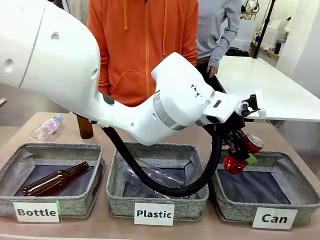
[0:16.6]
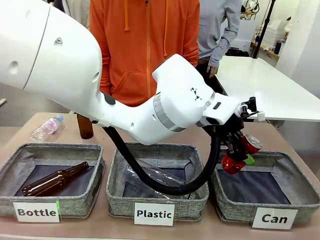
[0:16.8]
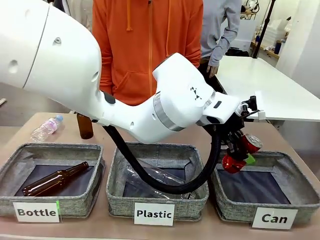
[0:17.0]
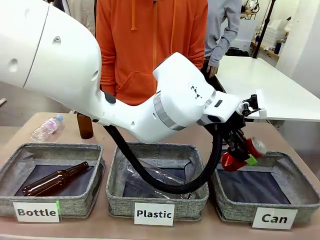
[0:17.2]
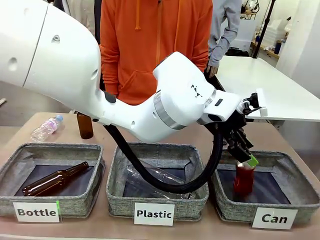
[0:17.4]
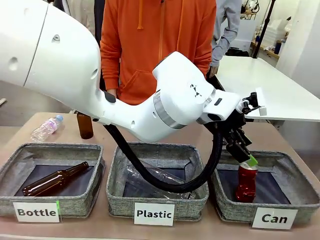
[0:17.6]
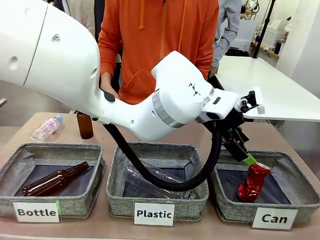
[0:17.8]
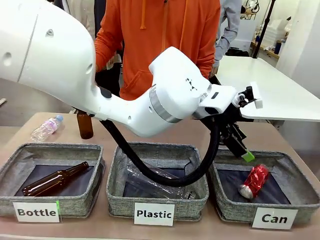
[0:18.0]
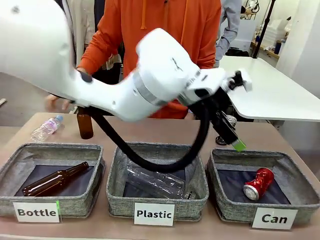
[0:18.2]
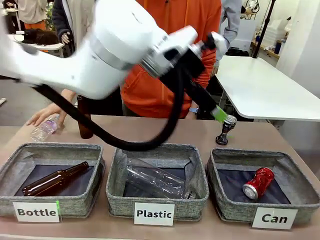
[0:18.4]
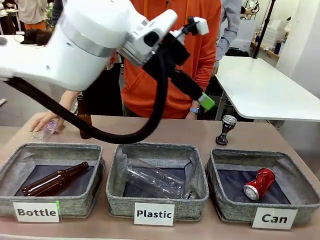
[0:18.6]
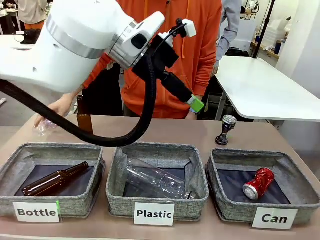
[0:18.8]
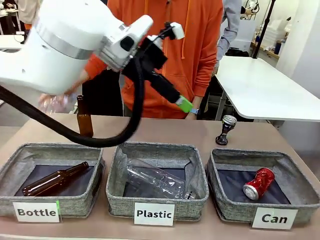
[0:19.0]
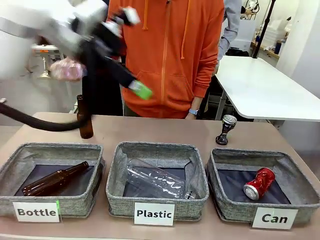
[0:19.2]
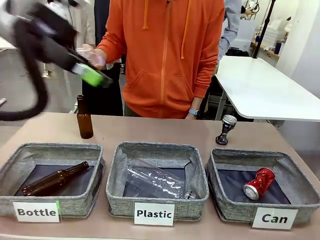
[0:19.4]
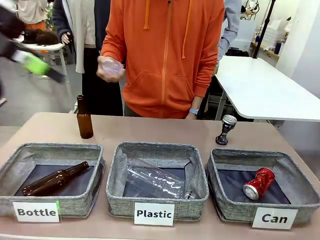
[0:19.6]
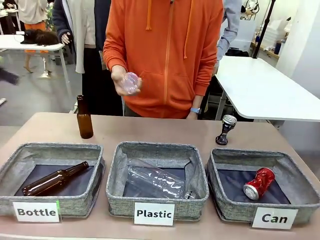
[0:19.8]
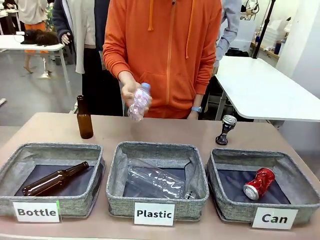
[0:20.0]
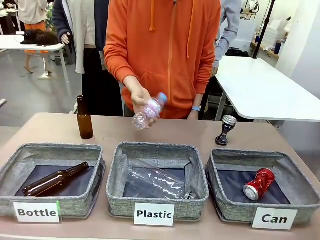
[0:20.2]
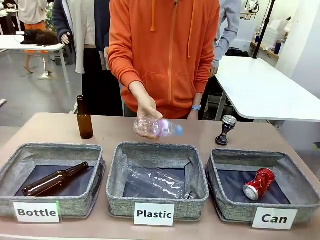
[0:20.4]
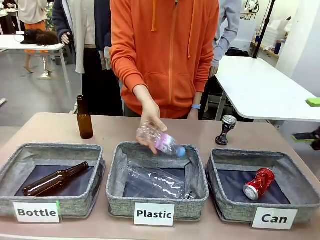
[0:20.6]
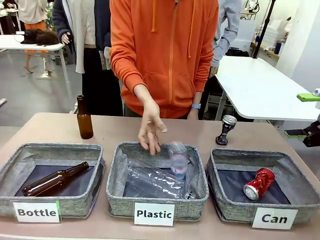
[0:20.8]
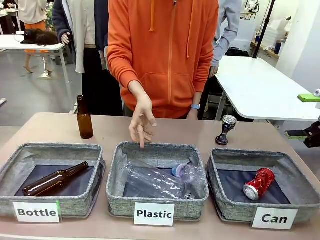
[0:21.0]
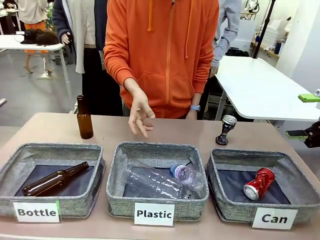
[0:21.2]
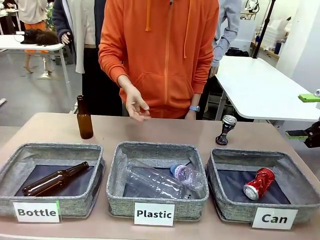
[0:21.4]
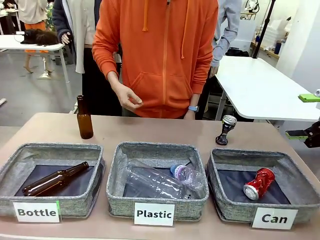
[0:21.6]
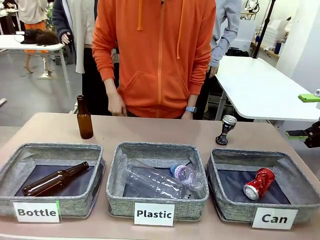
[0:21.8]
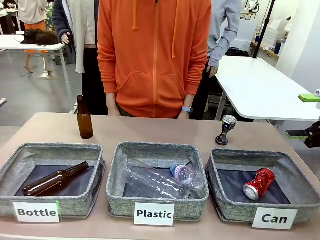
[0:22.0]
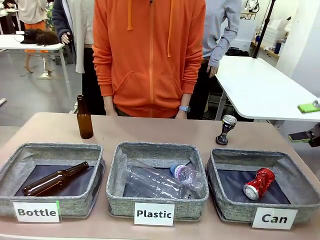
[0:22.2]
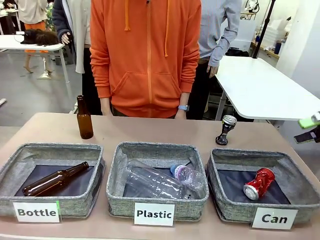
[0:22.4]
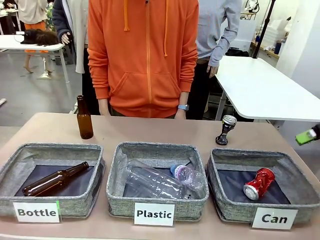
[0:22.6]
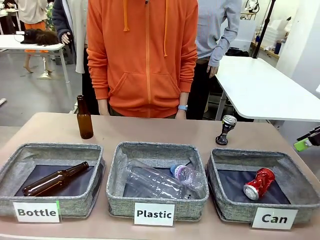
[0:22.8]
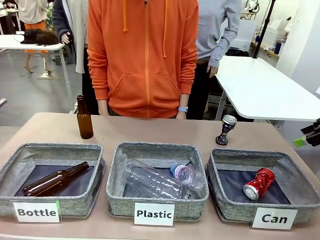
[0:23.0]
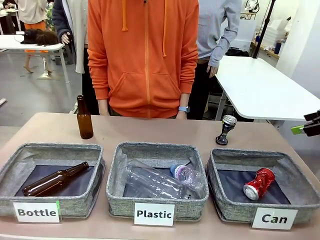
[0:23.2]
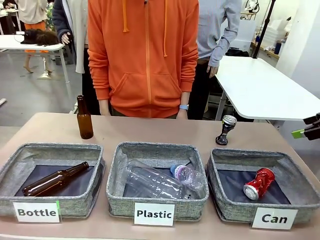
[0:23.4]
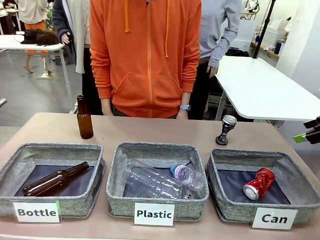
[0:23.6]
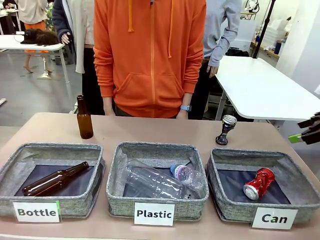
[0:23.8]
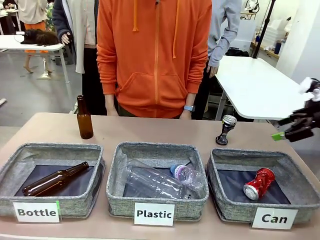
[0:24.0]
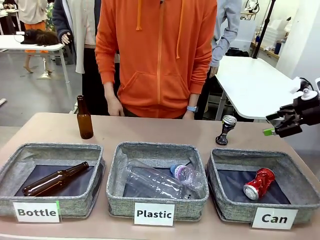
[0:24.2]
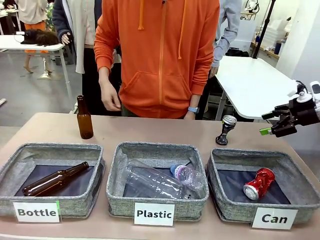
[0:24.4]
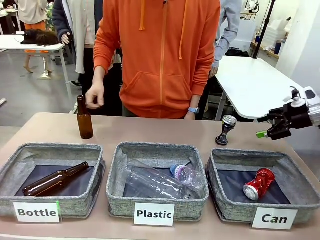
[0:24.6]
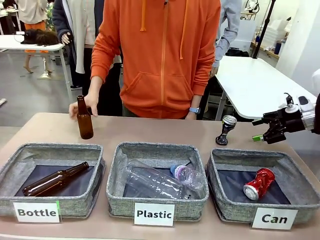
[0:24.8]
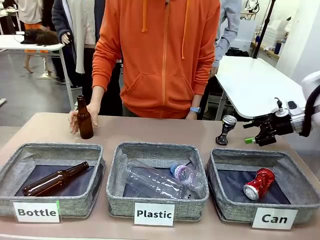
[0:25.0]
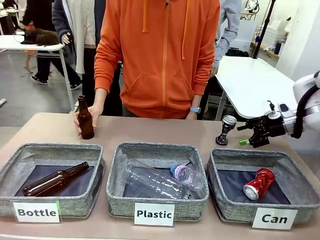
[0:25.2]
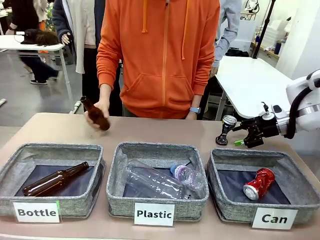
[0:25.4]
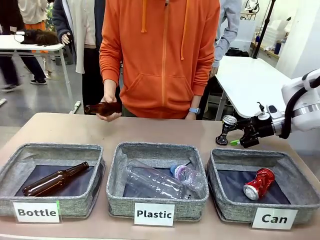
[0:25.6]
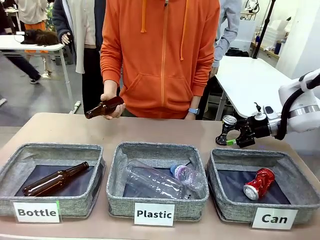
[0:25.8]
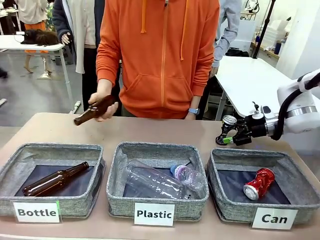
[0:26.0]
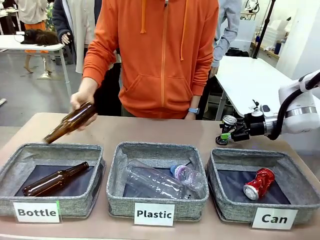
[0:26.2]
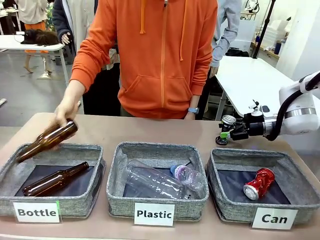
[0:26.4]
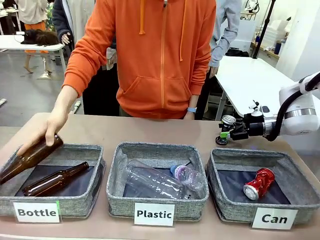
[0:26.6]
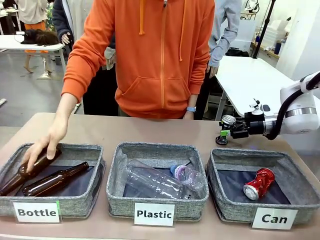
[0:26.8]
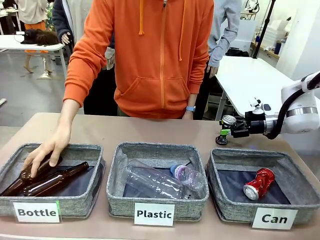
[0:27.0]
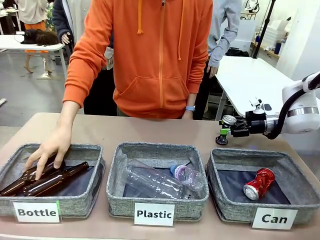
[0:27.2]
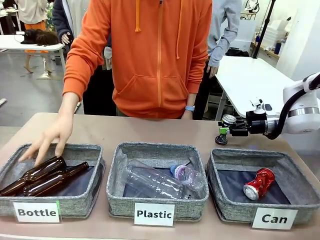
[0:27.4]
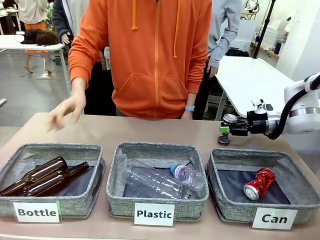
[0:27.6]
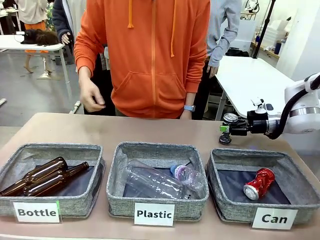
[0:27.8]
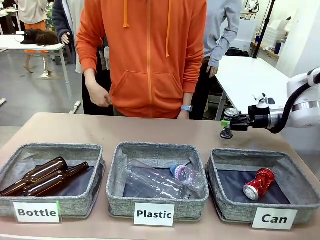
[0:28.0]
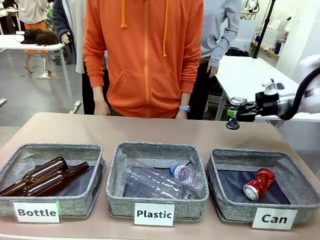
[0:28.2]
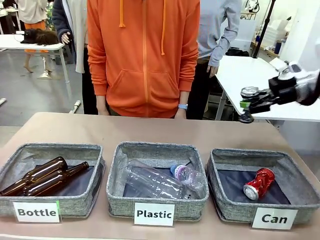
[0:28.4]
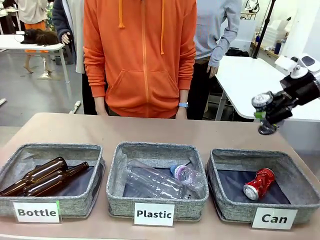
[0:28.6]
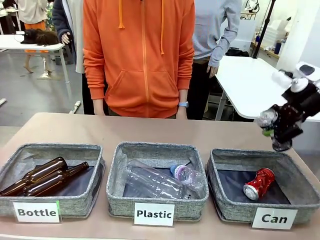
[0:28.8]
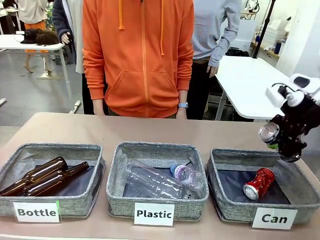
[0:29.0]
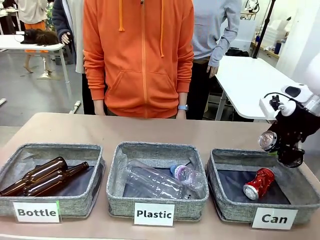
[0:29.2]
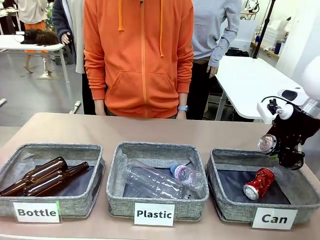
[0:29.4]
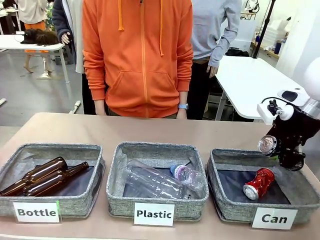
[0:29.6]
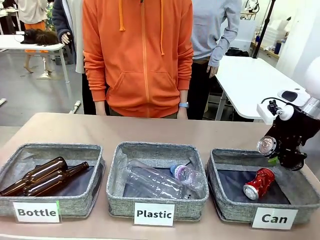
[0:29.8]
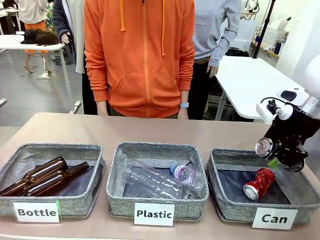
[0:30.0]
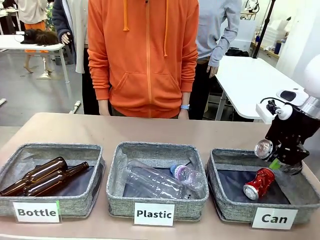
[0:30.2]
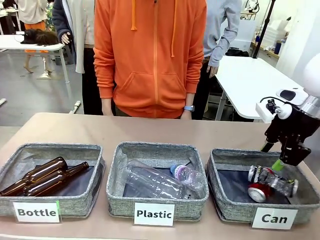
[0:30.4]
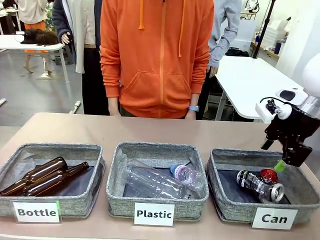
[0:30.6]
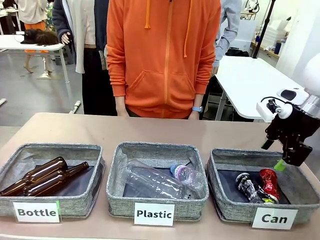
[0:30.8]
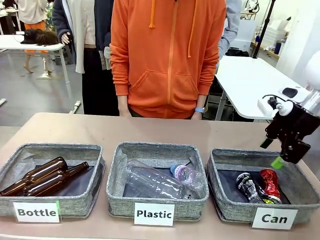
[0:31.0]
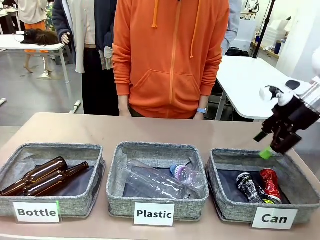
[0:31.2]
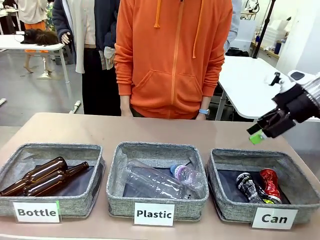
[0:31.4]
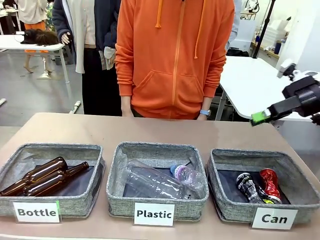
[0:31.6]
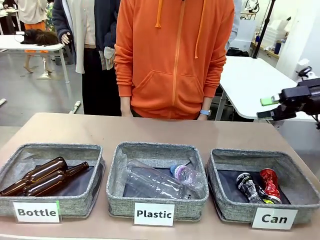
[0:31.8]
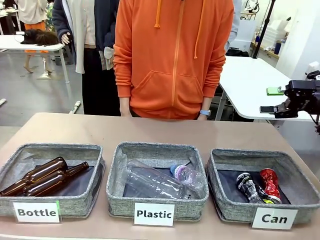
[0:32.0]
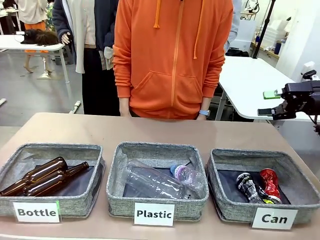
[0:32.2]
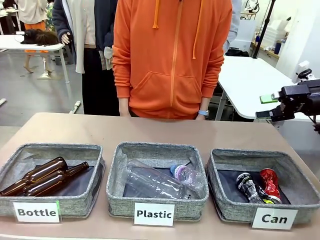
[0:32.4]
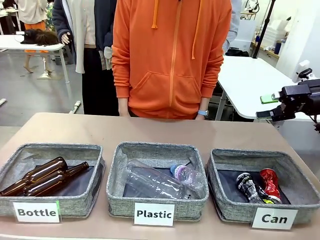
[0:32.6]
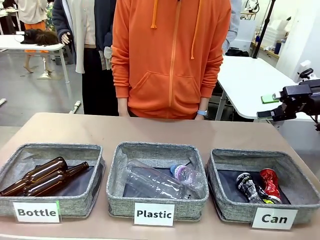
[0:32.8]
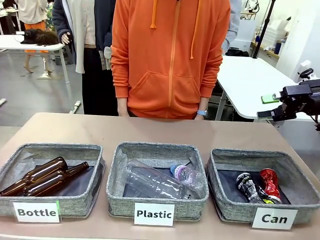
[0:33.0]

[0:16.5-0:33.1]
Task: Sort the can waste into the basket.
Robot: Pick up the can waste from the table and place it in the right Fabric basket.
Person: The human picks up one piece of trash that is not a can and places the trash into the appropriate organizing basket.
